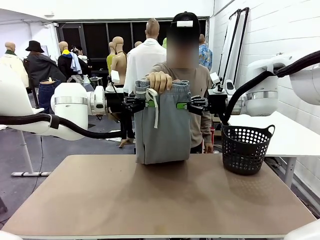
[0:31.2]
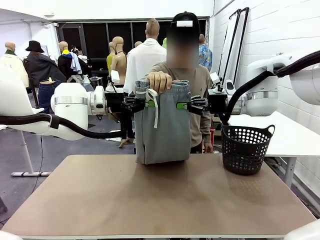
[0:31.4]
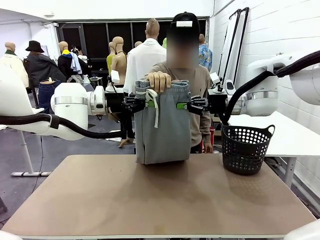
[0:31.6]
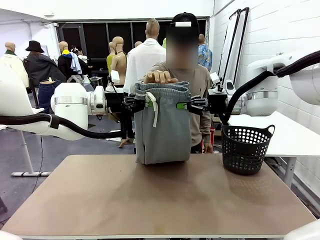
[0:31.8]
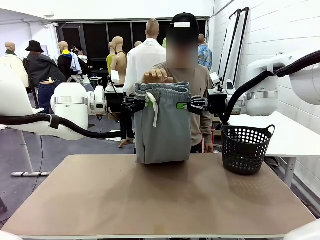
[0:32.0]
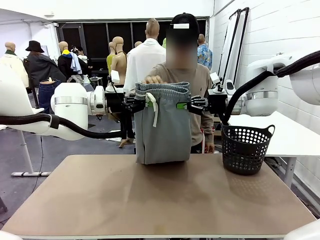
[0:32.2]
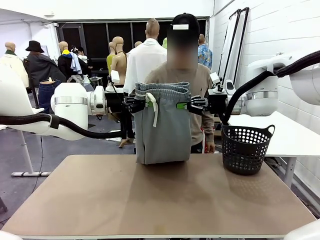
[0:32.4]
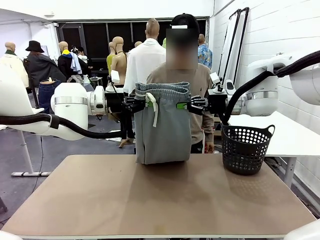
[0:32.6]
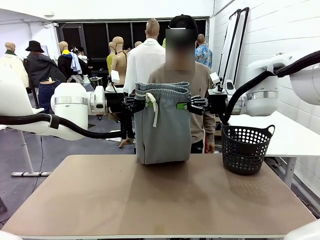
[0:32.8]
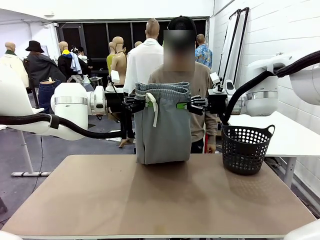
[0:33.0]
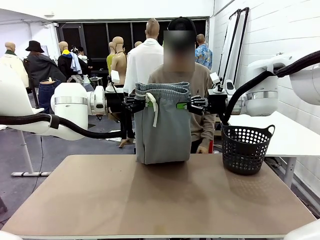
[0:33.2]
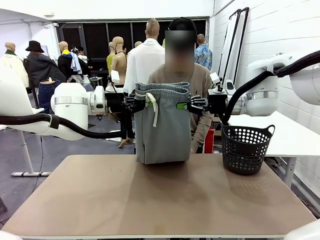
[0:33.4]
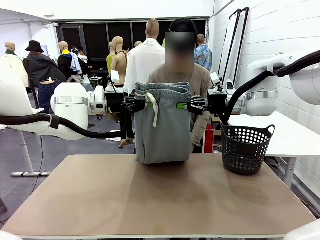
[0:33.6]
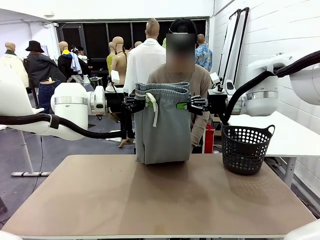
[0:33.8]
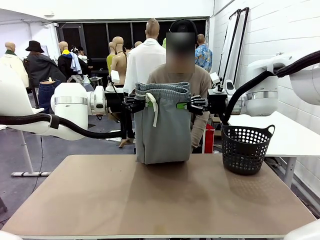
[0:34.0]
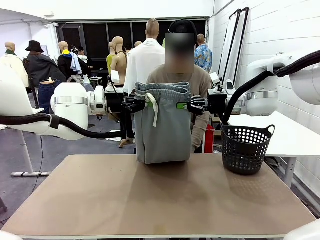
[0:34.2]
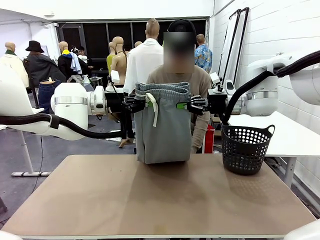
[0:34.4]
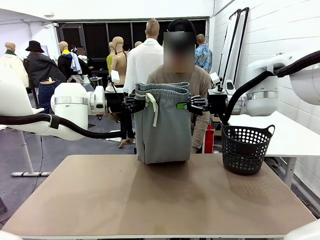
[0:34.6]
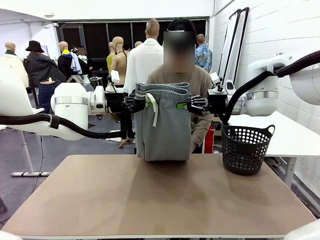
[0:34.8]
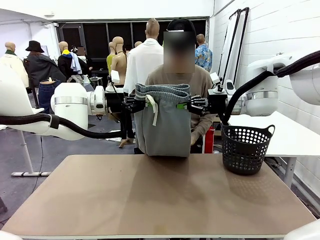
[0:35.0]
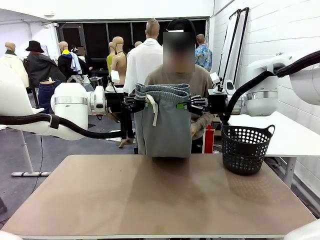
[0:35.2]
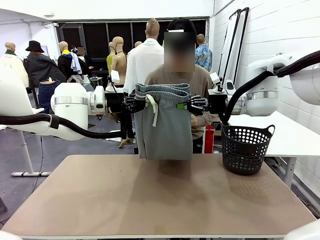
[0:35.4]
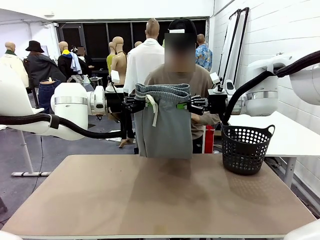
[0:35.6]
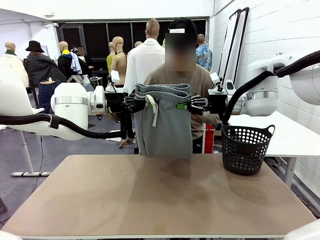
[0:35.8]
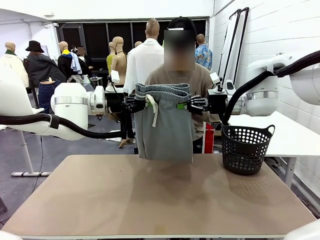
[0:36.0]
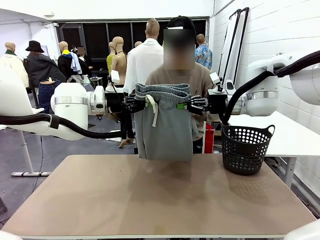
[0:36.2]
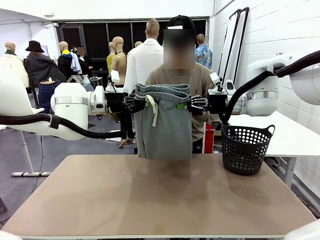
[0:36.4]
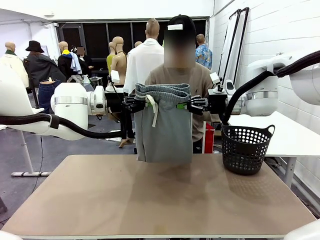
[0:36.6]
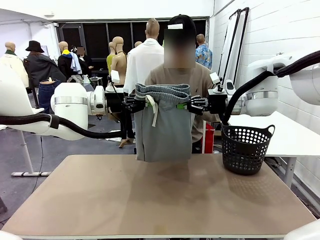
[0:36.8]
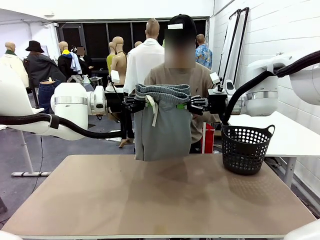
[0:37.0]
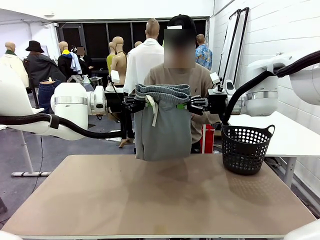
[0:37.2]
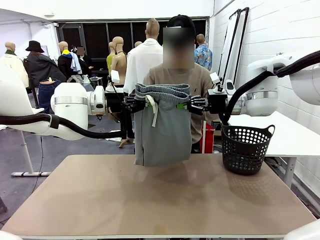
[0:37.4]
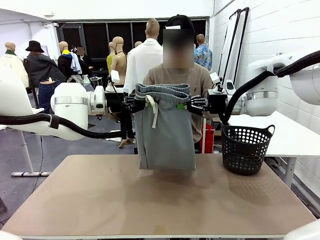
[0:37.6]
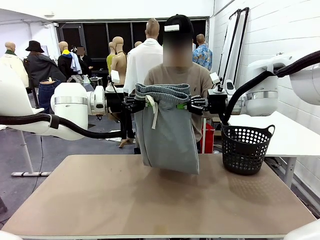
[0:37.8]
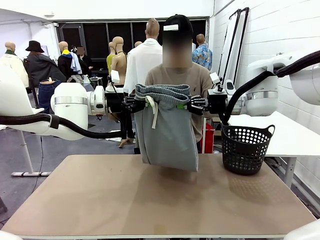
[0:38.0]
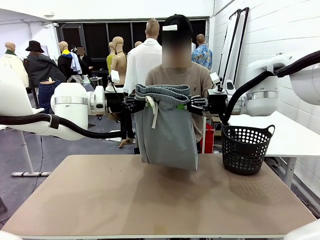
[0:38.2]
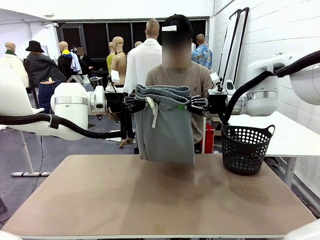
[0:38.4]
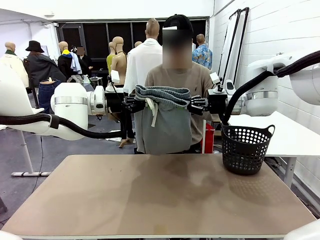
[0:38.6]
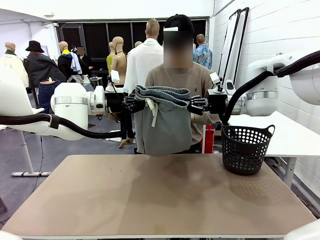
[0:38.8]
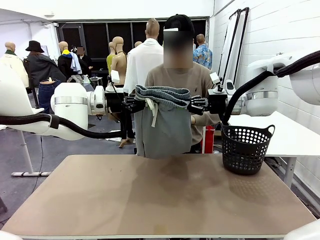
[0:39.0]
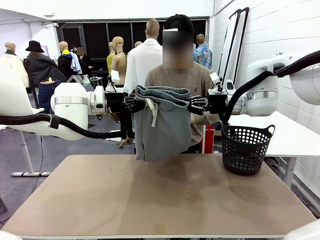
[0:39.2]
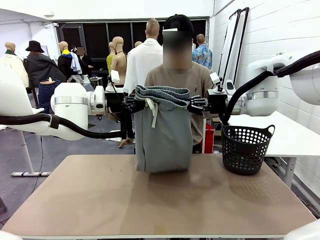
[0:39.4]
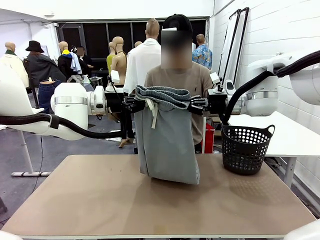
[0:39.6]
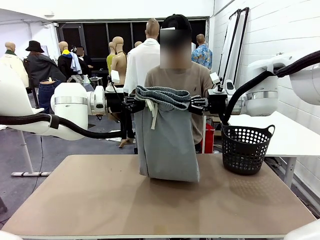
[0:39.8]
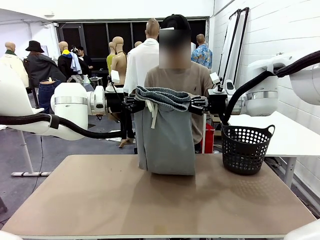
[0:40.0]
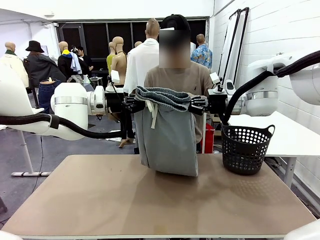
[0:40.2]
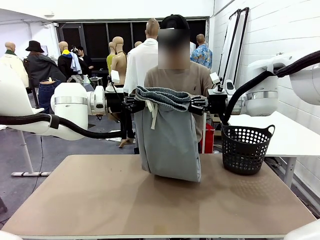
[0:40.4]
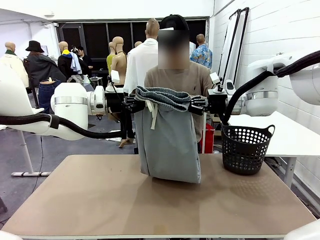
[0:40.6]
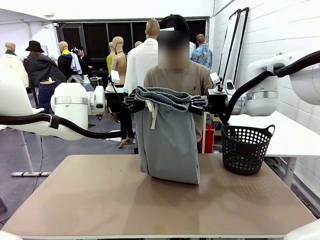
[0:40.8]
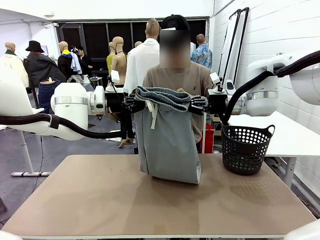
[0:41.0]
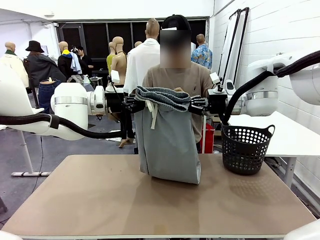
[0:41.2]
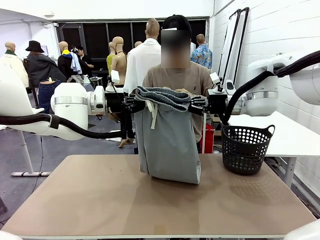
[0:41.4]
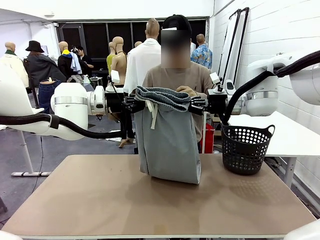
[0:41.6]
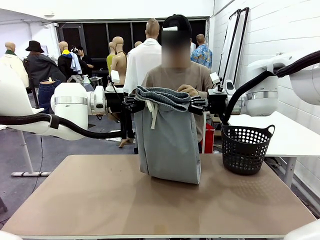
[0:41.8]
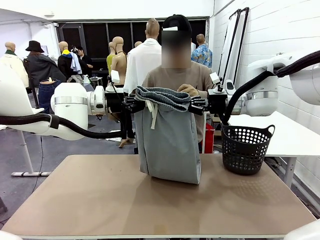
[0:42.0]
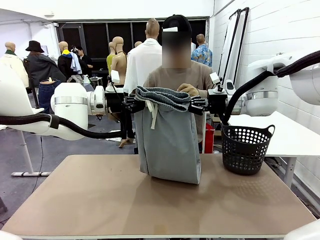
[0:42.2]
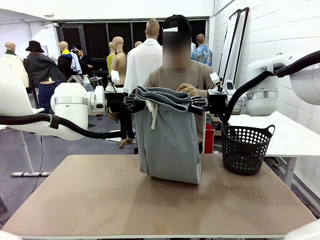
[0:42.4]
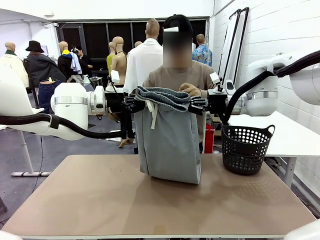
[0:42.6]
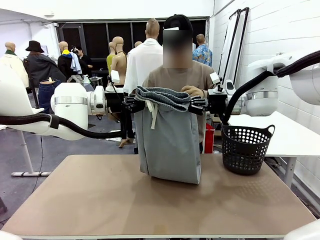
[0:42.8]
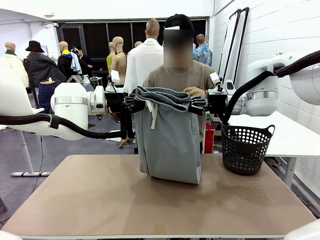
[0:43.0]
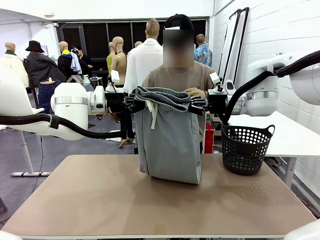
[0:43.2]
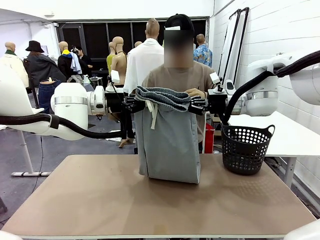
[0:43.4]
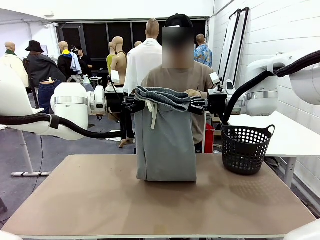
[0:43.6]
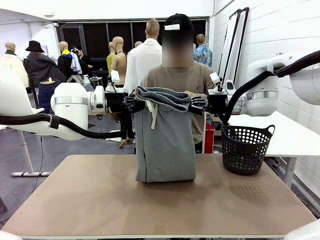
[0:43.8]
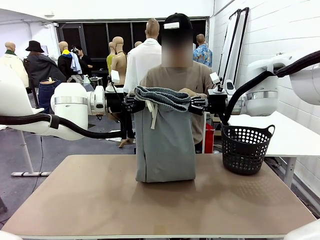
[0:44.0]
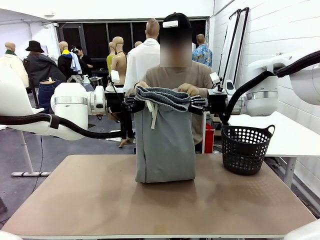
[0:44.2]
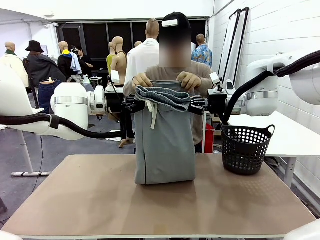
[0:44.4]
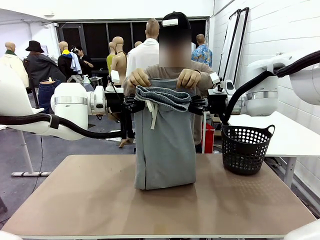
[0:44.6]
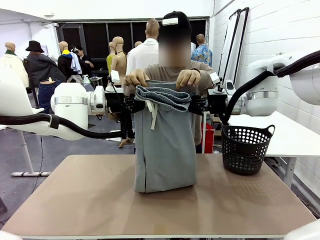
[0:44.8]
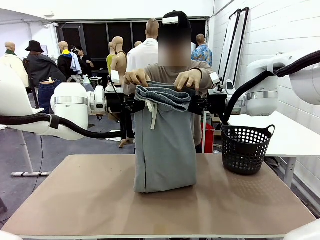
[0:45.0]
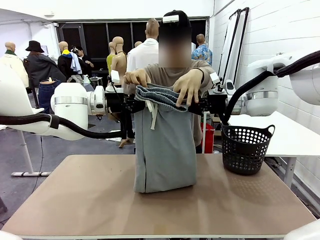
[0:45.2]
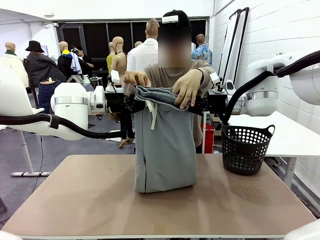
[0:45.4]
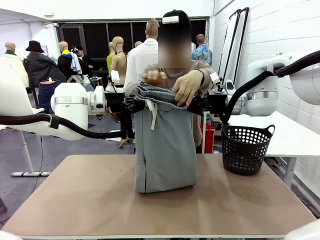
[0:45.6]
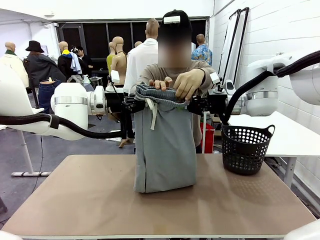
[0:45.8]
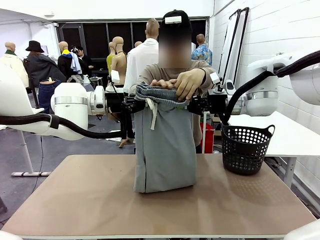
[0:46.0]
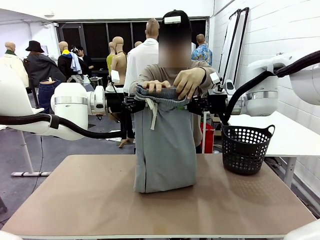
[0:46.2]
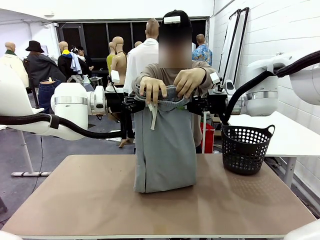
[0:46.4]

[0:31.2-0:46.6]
Task: Fold the training pants.
Robot: Release the ends of the Training pants and then grab the overlapped ends.
Person: Grasp the end opposite the point the robot is holding, fold the pants in half, and then grasp the overlapping top end of the folded pants.

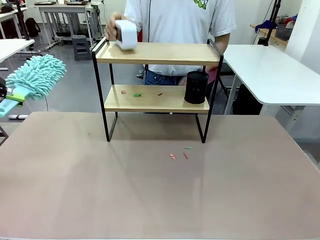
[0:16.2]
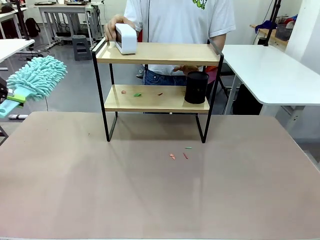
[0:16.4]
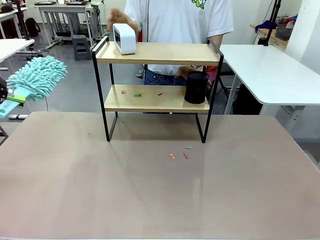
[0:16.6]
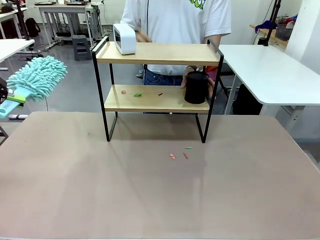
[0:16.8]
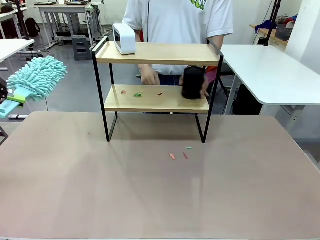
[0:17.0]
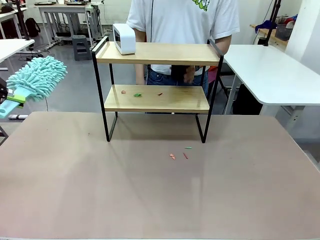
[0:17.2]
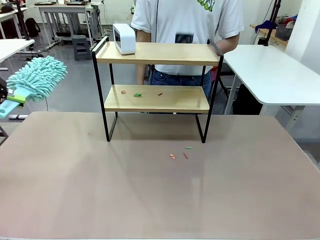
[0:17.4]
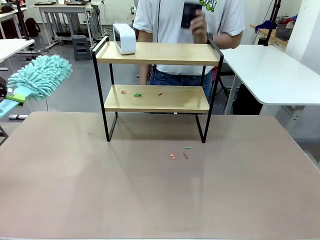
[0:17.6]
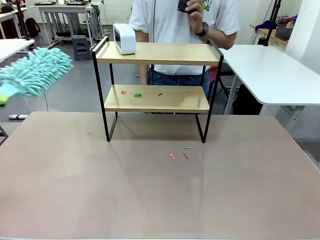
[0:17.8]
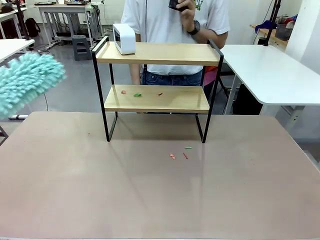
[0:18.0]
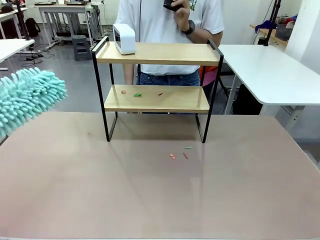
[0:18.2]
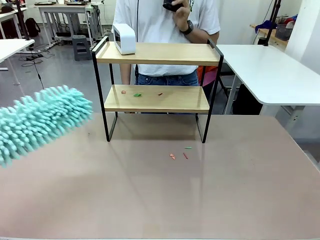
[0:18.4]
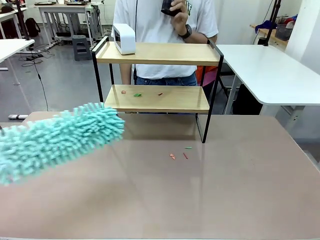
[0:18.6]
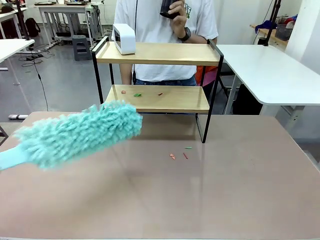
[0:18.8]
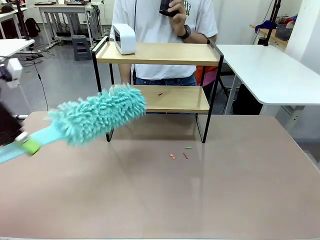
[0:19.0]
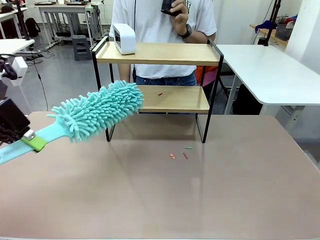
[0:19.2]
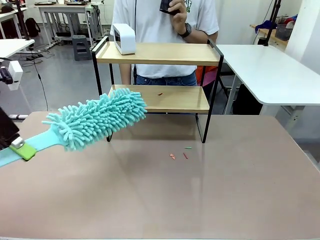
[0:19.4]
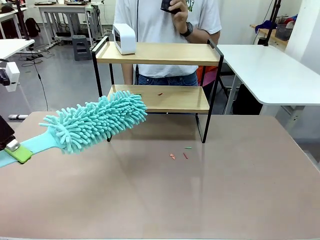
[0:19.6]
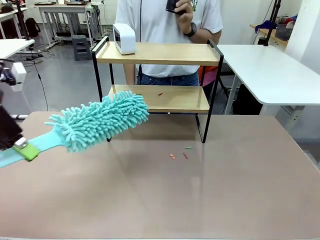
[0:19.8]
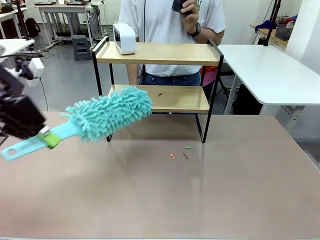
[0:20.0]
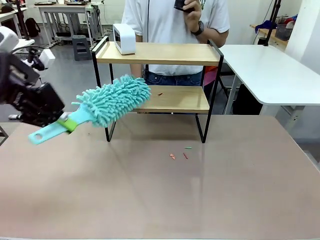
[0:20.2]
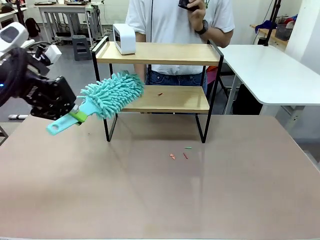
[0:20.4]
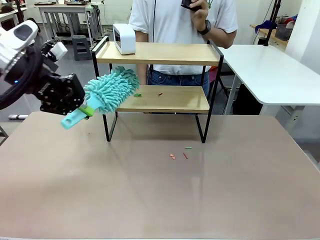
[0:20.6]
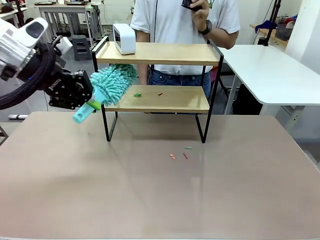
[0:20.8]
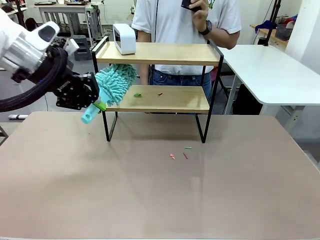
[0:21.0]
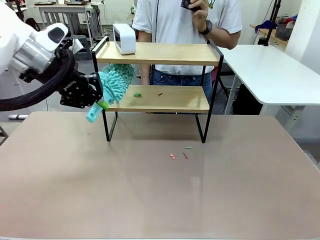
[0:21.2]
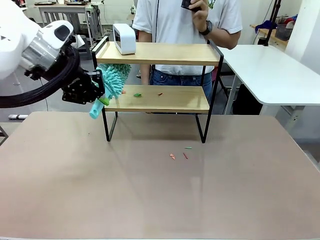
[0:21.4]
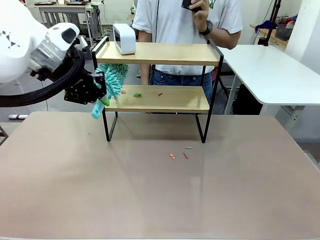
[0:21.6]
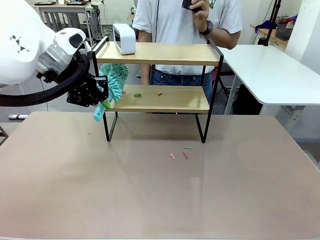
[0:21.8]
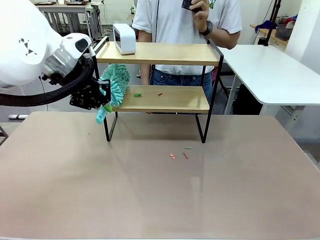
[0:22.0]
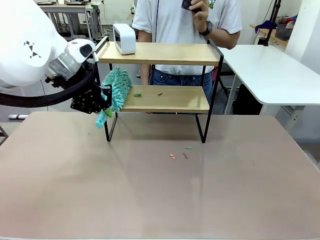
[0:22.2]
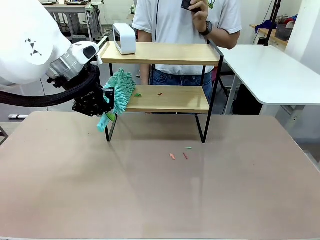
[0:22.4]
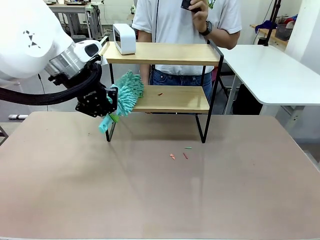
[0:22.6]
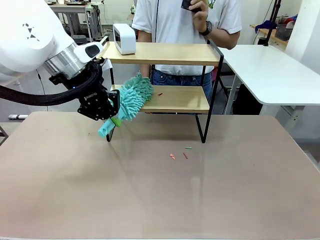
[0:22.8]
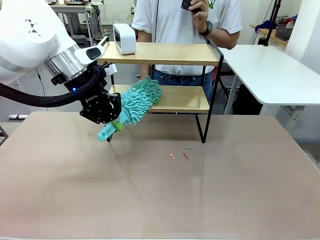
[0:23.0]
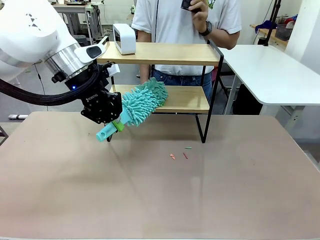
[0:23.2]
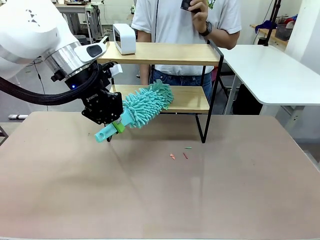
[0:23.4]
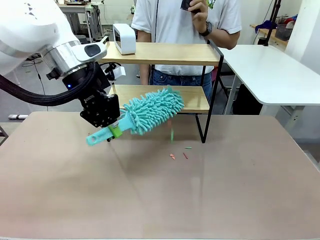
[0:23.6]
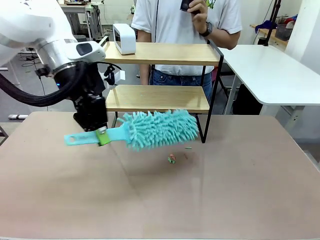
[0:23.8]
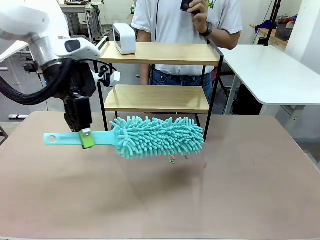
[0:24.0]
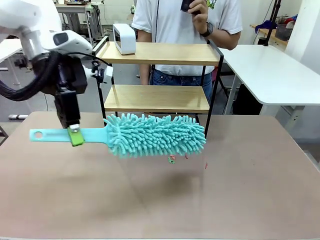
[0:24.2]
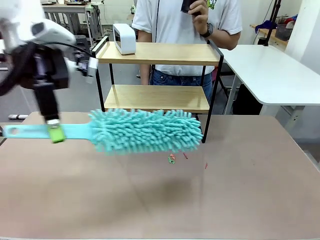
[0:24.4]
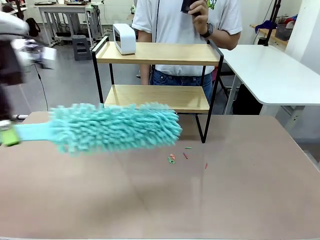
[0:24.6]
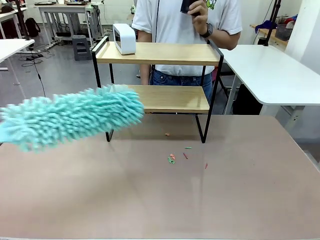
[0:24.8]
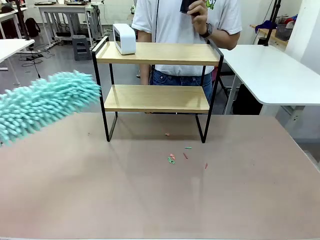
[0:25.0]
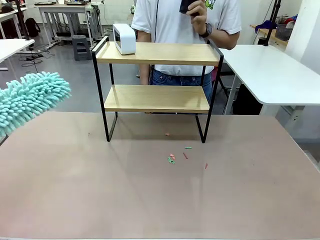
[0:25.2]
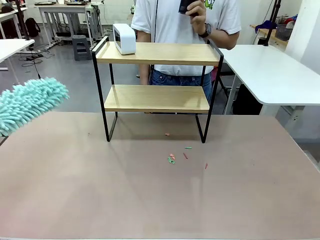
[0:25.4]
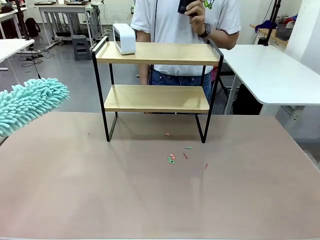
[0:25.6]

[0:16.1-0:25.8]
Task: Clean the shelf.
Robot: Clean the remaining tier of the Shelf with the Duster once objects are removed.
